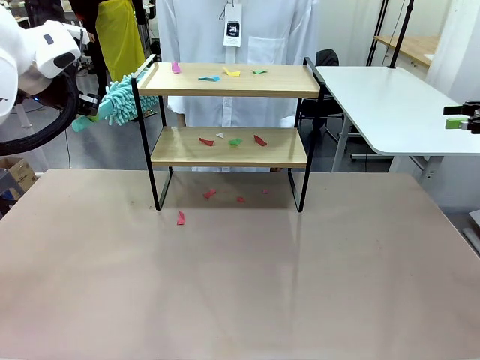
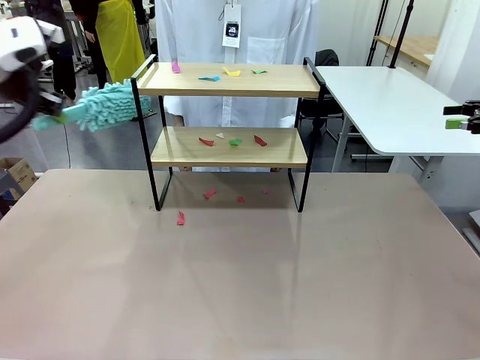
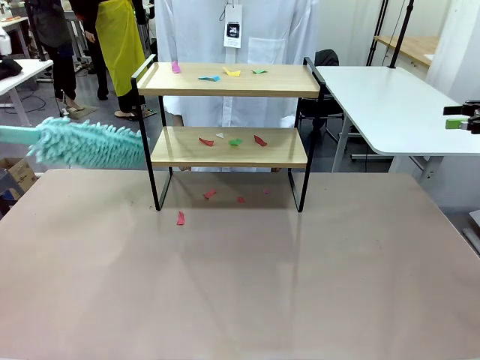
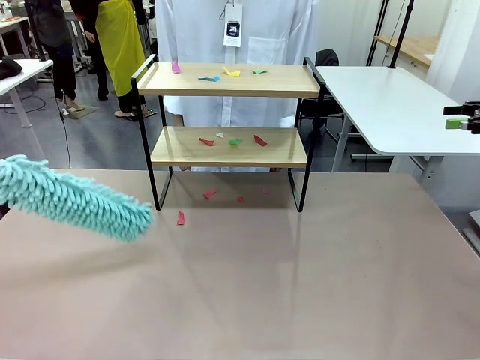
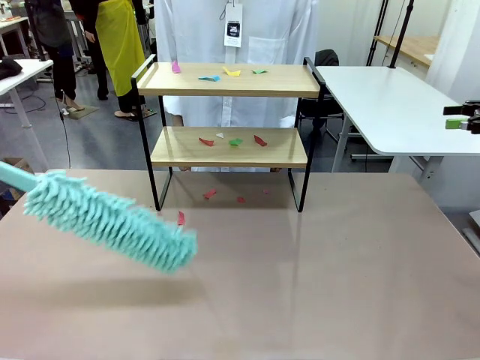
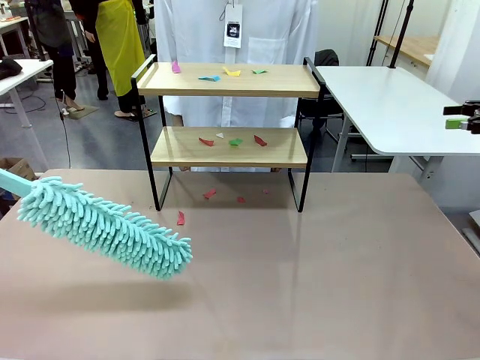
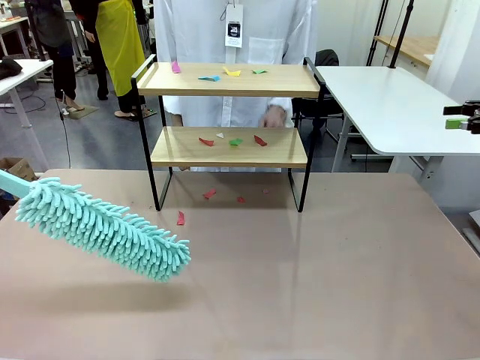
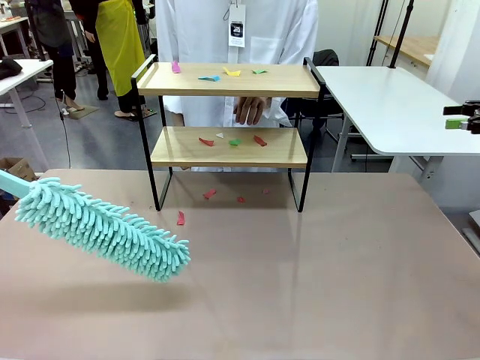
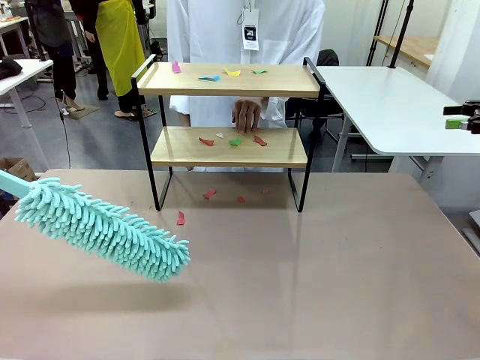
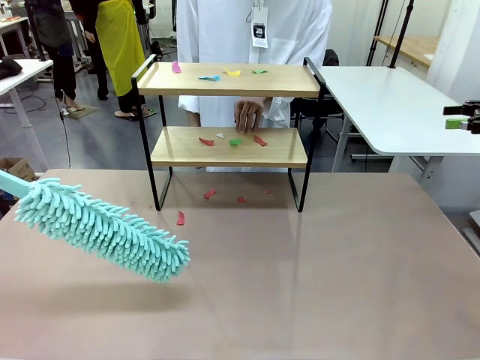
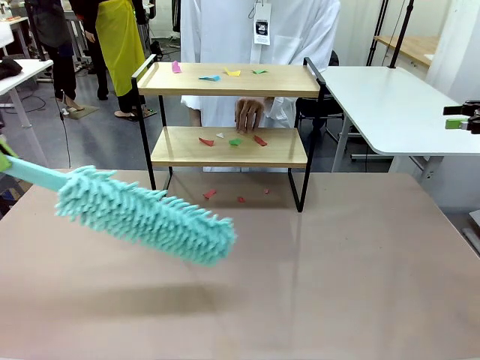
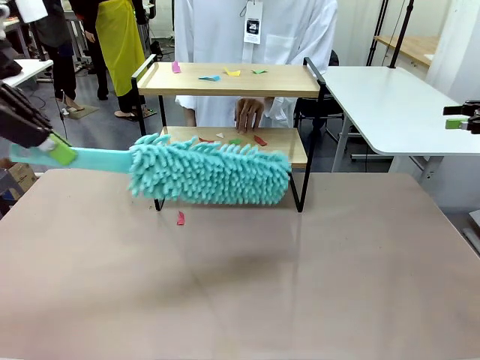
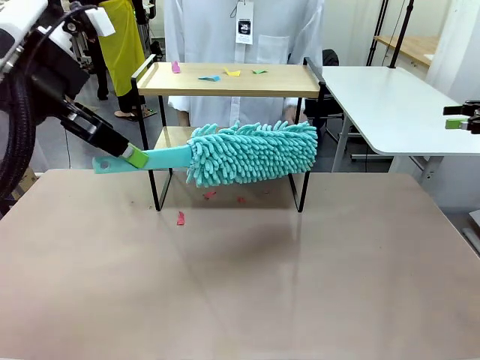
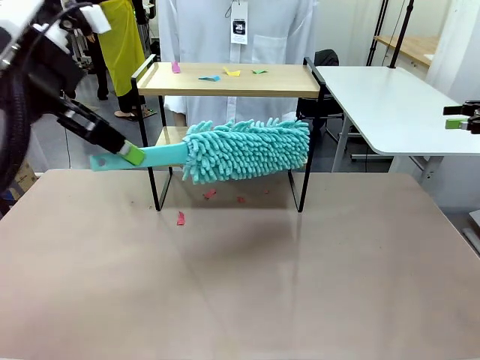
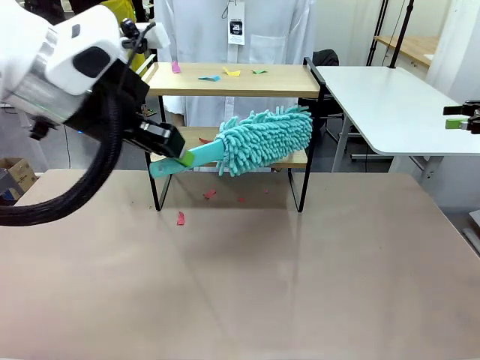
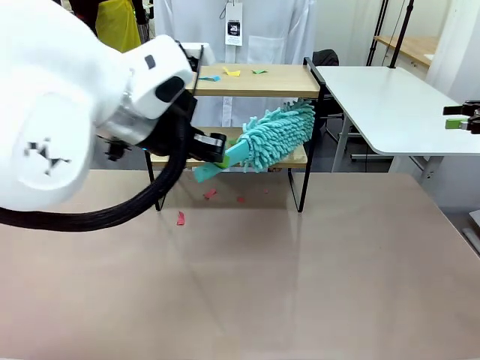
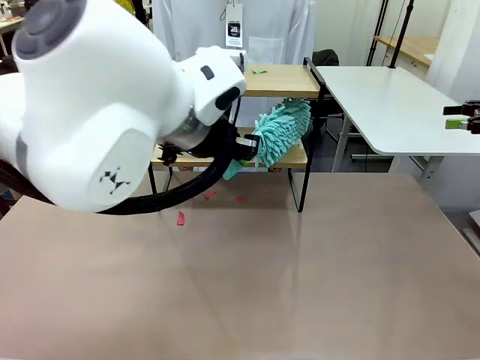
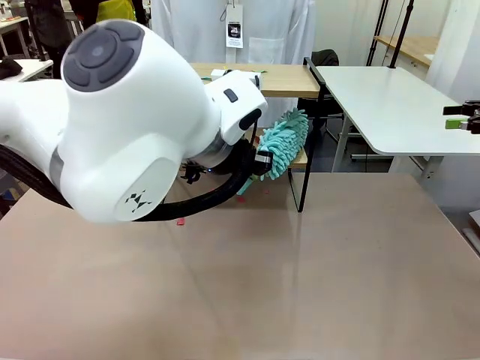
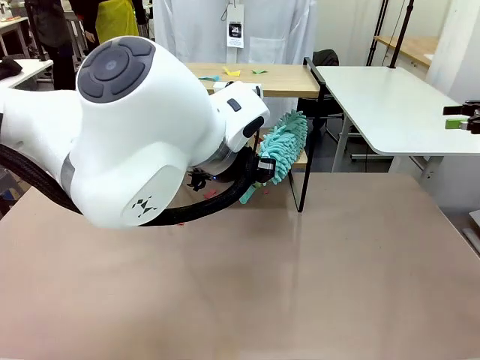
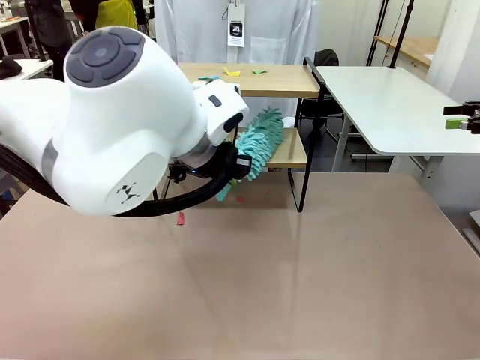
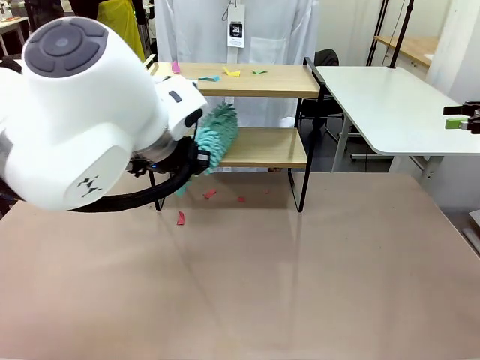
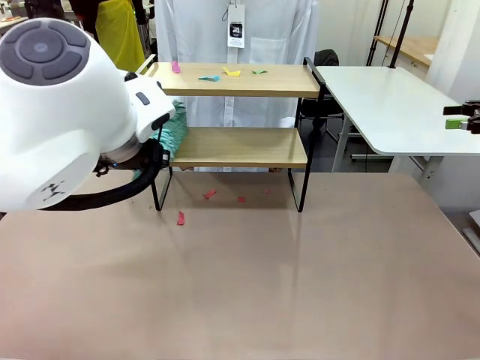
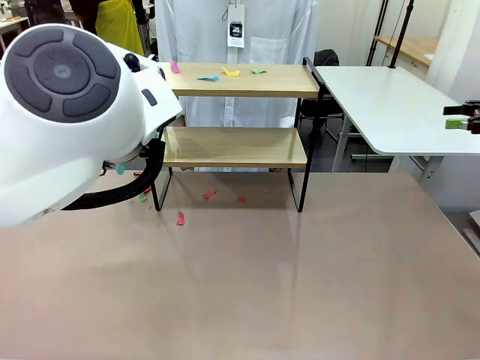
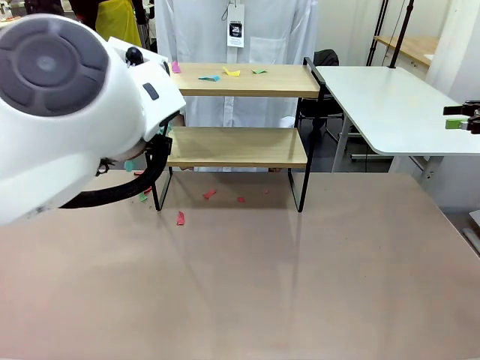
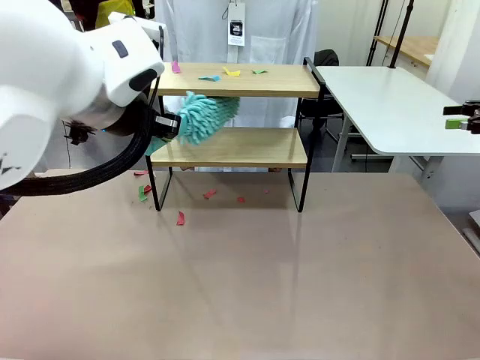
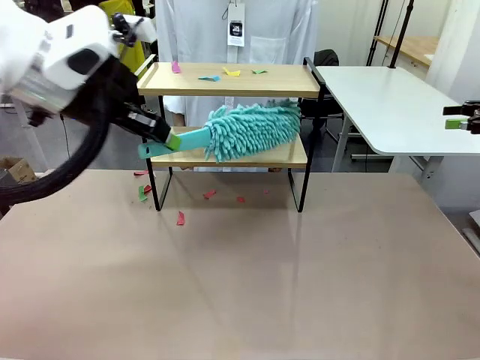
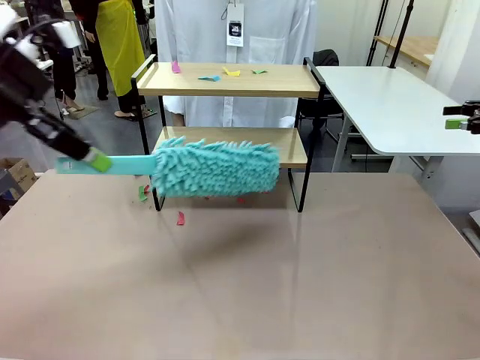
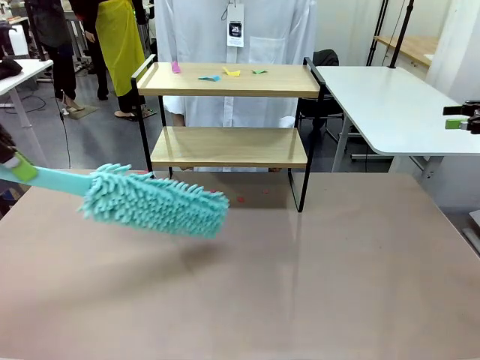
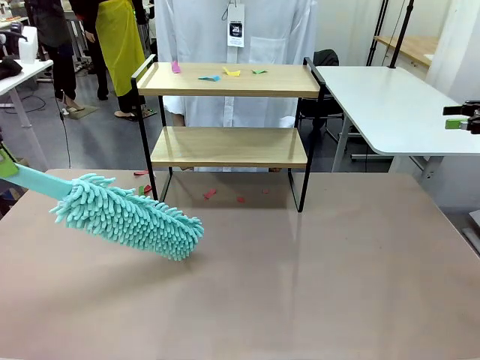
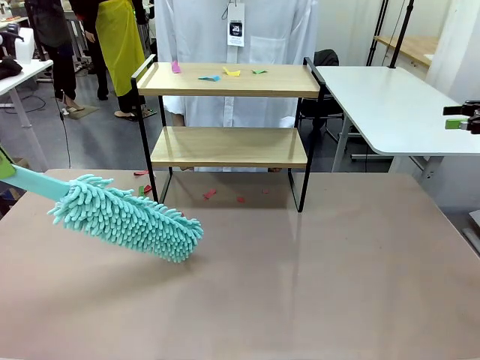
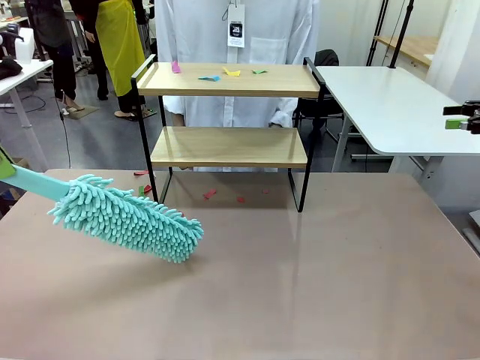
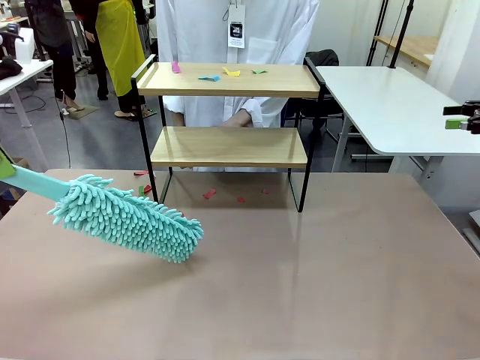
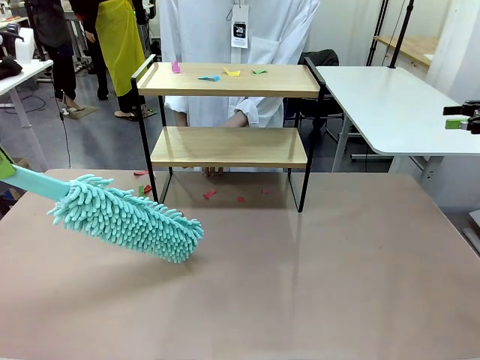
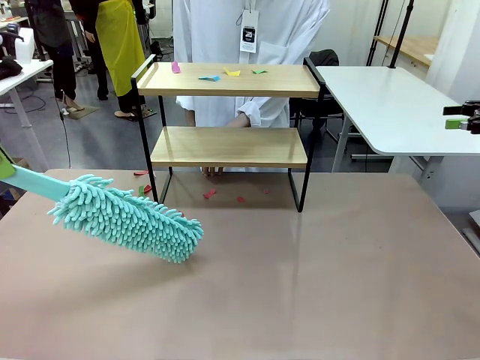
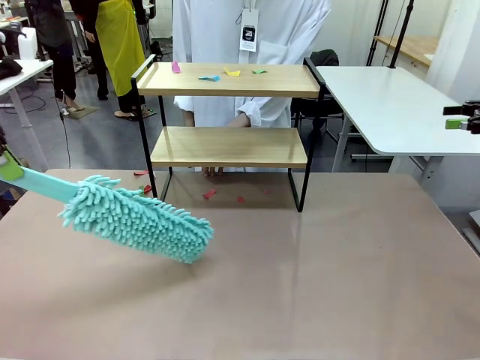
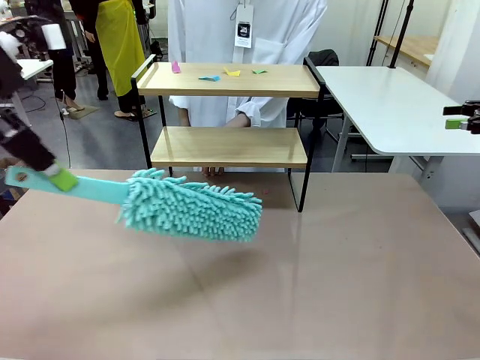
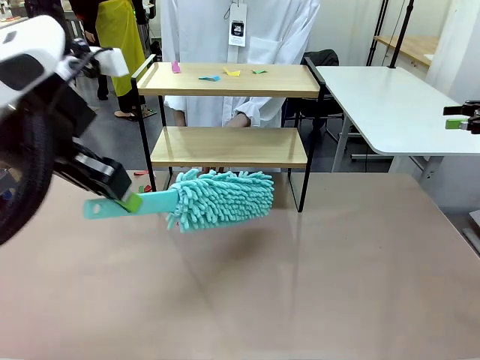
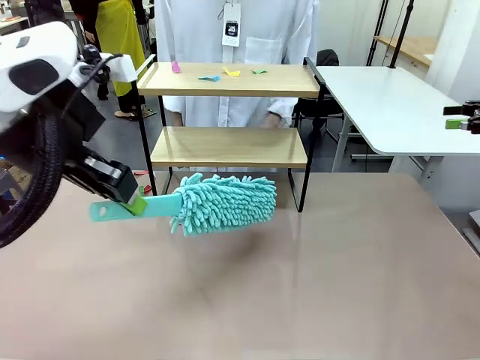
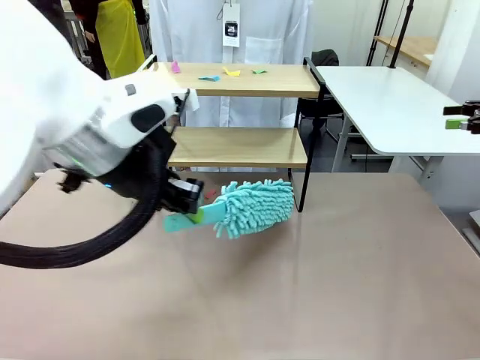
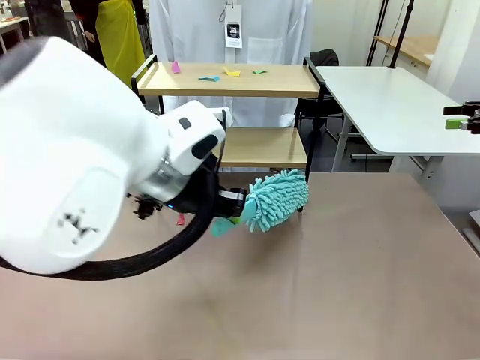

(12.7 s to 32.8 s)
Task: Clean the shelf.
Robot: Clean the specific section of the Shelf indicated by the human with the Duster.
Person: Point a random section of the Shelf.
